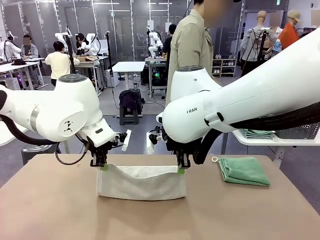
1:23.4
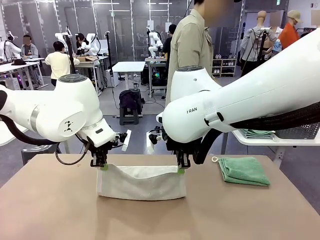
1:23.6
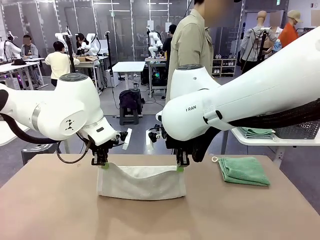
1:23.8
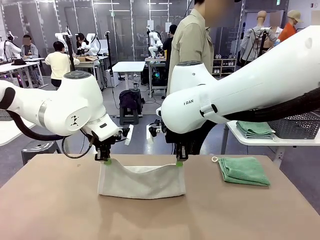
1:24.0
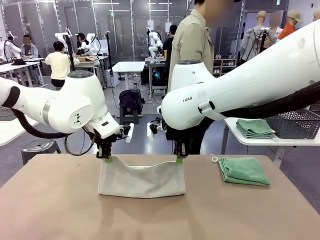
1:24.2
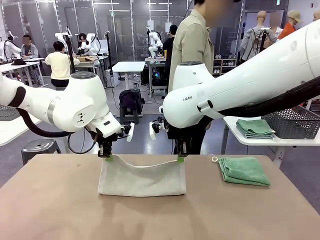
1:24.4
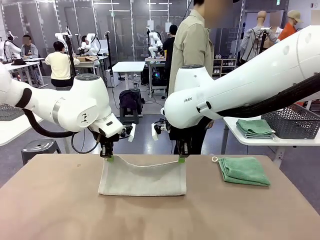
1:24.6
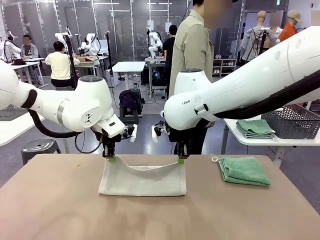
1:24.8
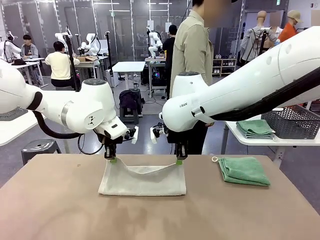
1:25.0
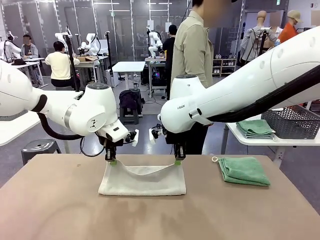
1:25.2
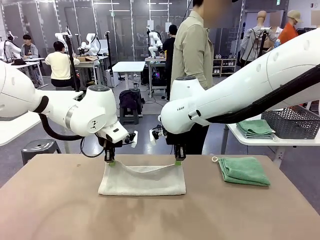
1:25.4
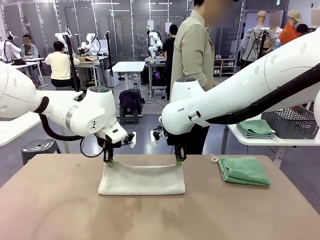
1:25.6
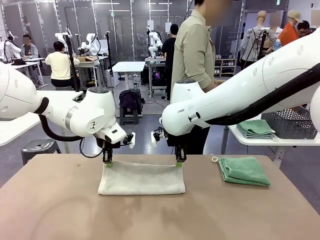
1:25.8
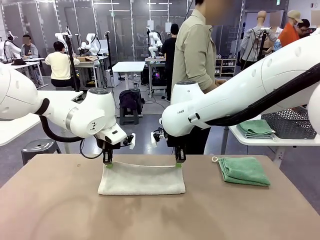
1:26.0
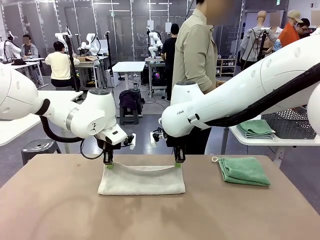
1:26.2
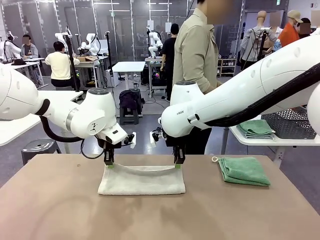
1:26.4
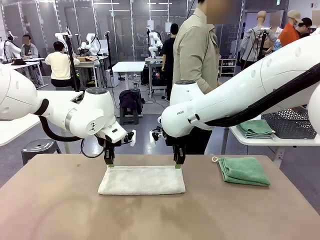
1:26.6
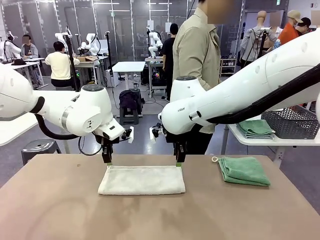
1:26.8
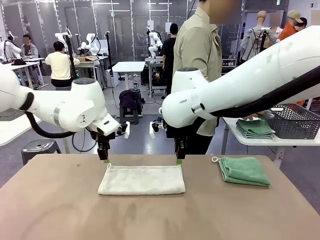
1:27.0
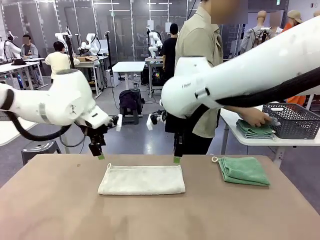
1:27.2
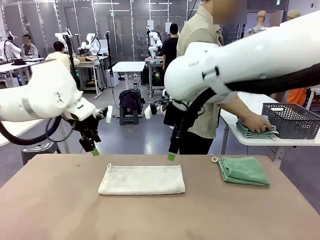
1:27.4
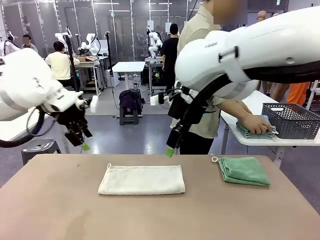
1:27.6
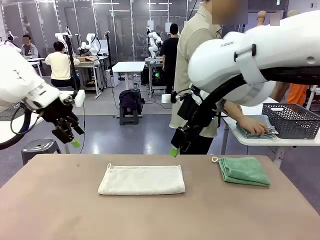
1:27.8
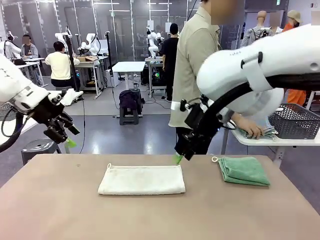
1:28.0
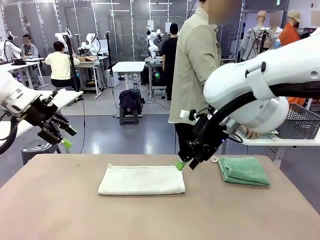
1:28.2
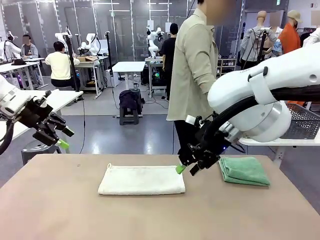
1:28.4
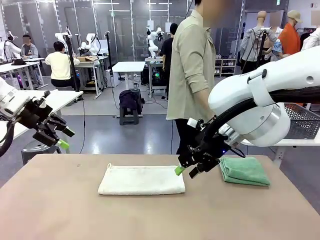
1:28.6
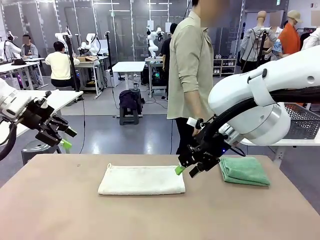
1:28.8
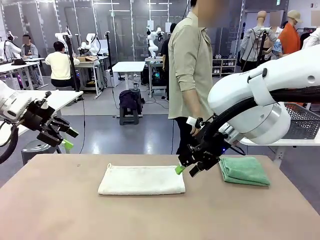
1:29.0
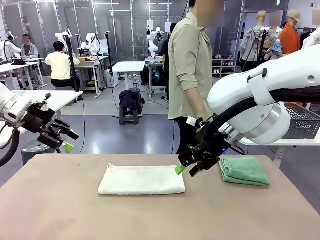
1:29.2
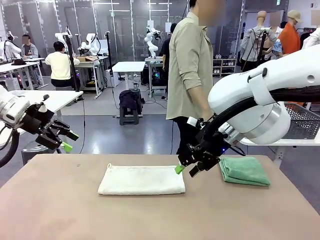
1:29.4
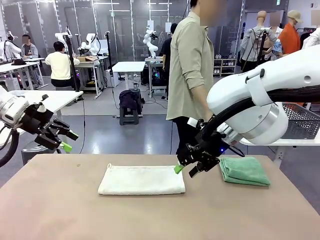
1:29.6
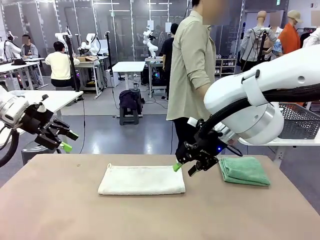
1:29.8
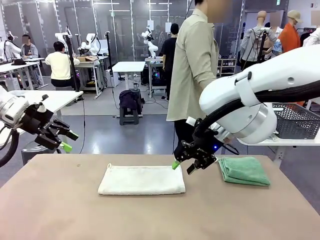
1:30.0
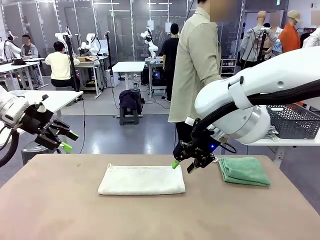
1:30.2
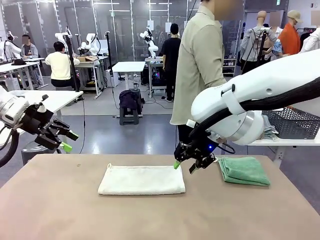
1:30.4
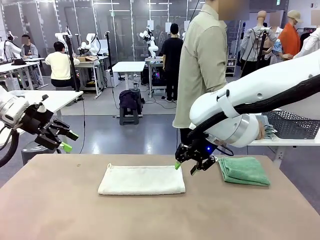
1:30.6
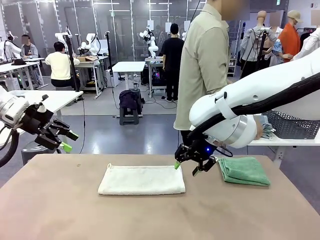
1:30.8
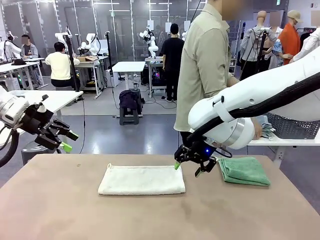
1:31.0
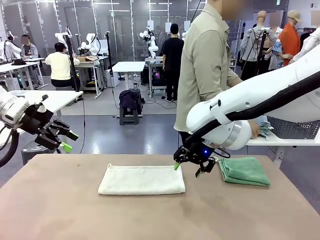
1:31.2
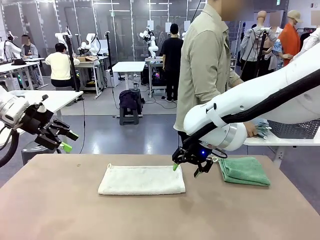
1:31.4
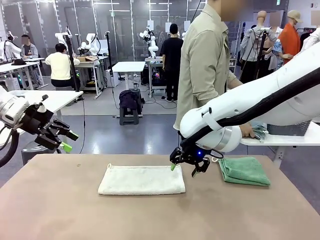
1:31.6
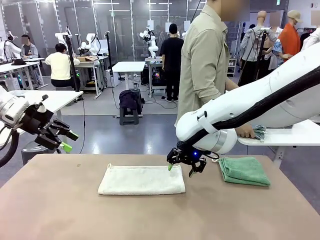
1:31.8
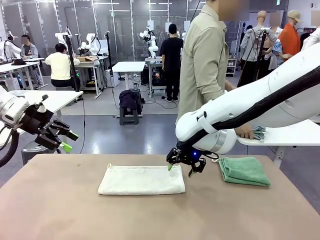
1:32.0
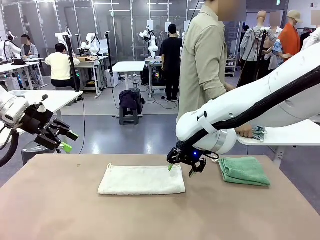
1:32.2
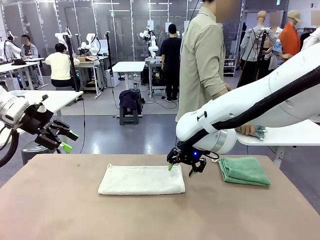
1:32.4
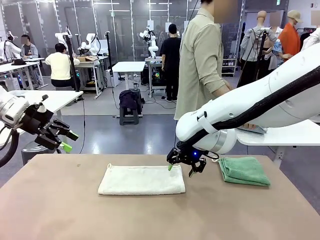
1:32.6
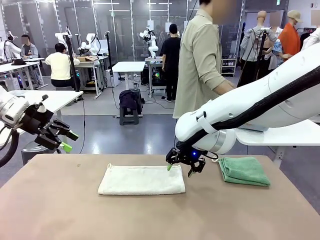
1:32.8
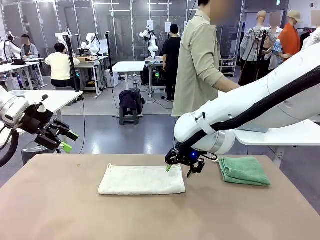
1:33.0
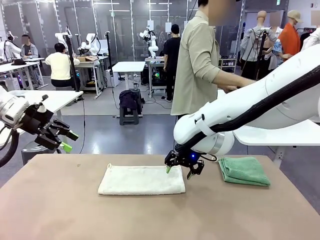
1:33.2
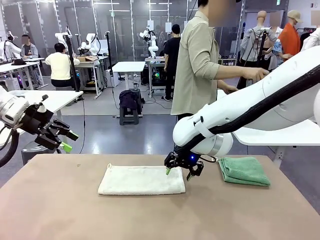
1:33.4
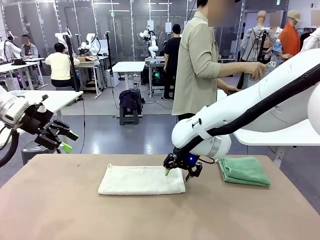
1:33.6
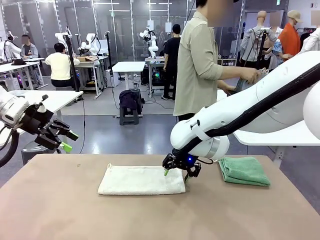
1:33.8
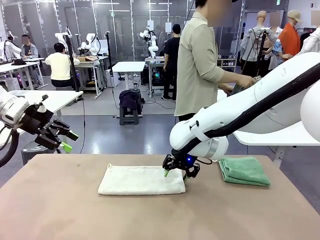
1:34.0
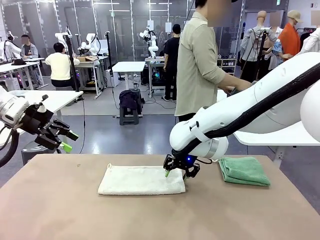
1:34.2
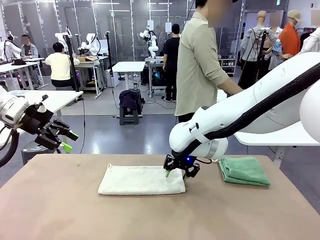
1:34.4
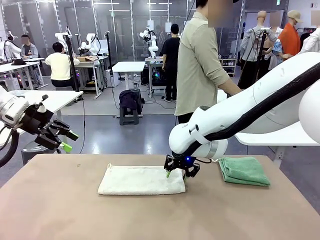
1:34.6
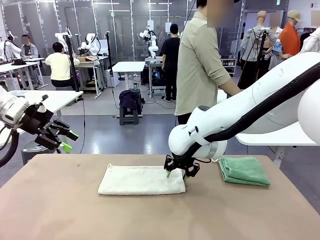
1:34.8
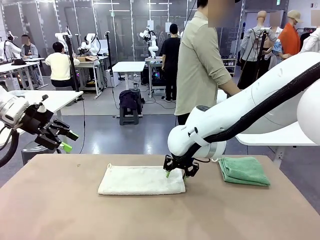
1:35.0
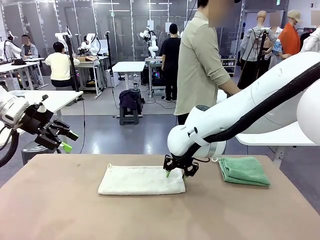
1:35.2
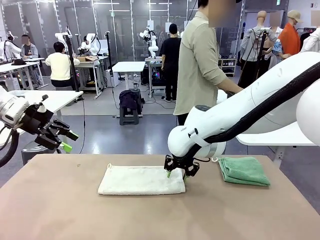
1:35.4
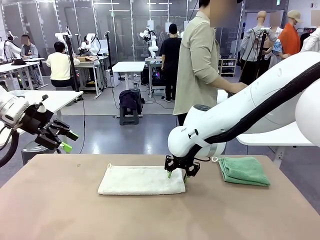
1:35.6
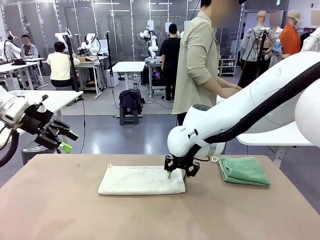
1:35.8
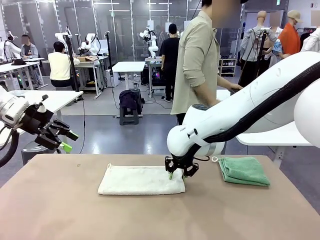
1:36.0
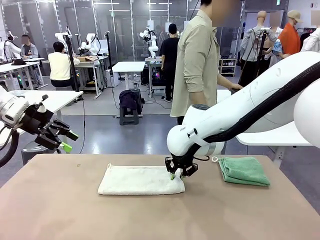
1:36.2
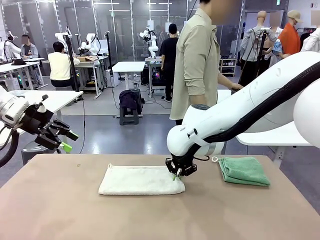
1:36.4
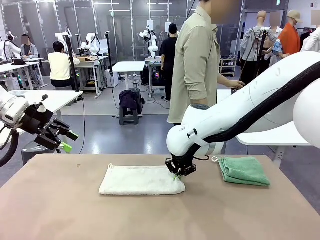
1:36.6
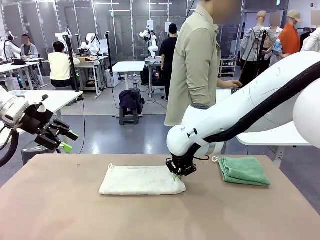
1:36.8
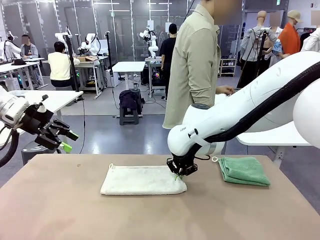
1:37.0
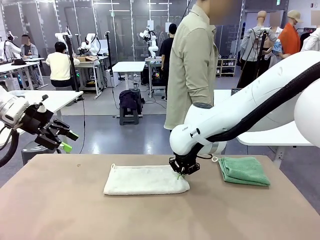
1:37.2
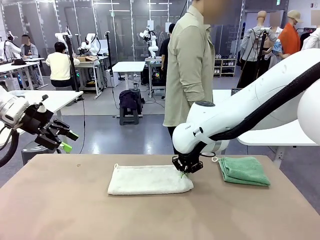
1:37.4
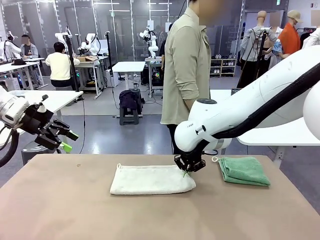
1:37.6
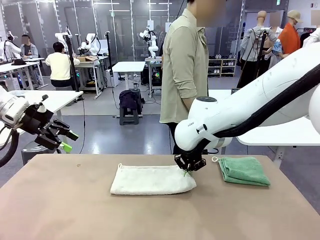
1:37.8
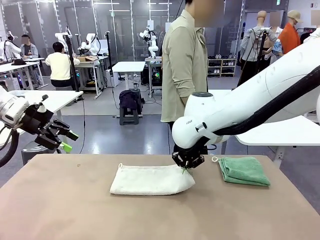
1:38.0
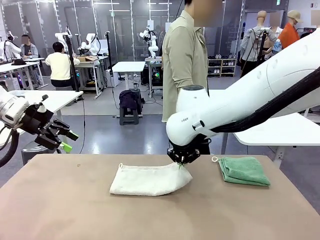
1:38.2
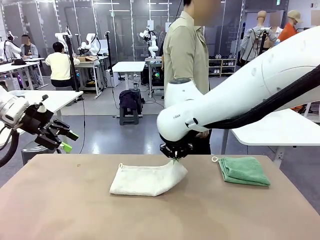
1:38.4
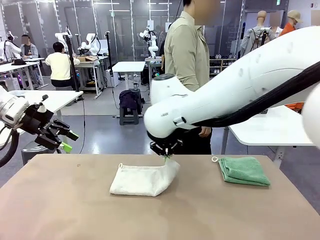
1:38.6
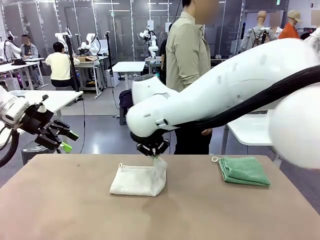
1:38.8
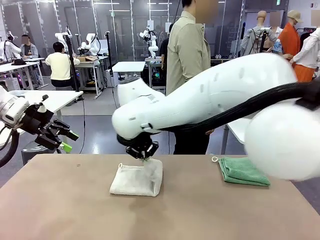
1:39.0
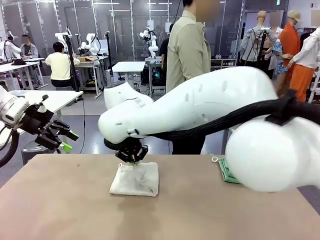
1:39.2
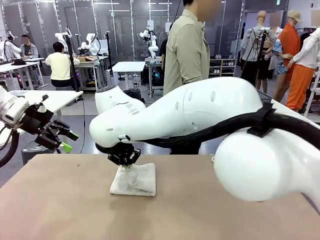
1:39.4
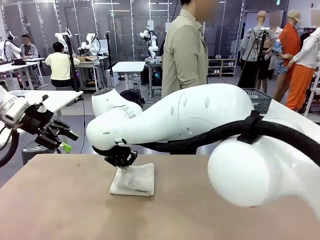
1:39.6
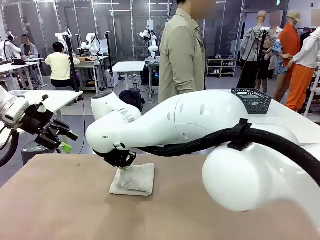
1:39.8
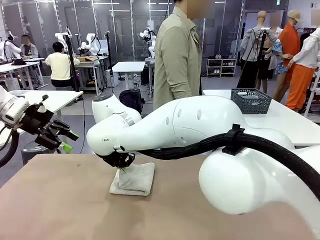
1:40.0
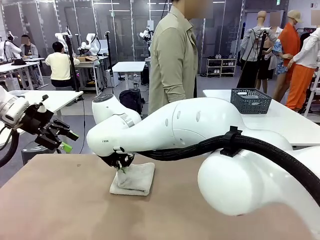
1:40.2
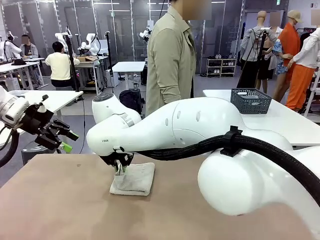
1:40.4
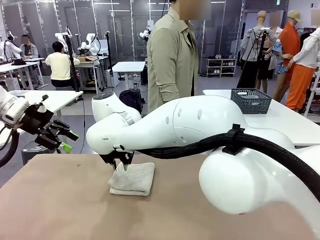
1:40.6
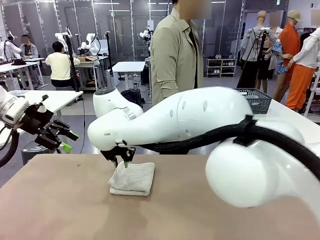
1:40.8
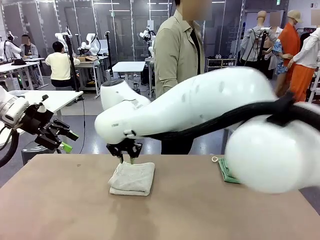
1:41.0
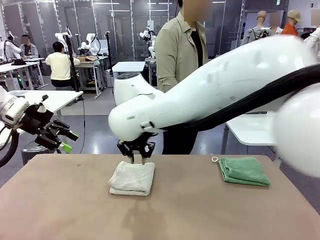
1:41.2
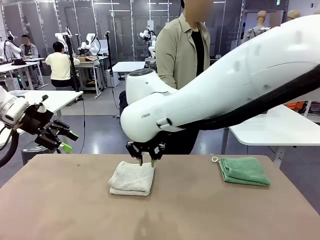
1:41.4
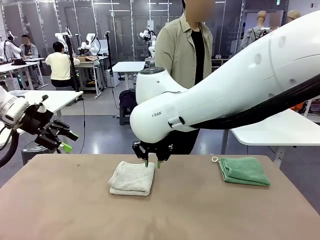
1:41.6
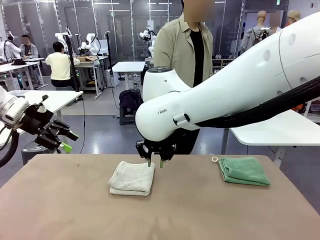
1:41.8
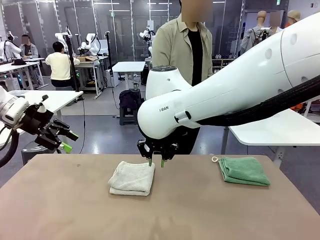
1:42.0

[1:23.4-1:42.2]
Task: Fold the towels and place them in the basket.
Robot: When a person lays out a Towel with hook on the table, fold it in half twice.
Person: Pick up the stack of towels from the right side of the human table, place it into the basket, and put the basket at the center of the table.
